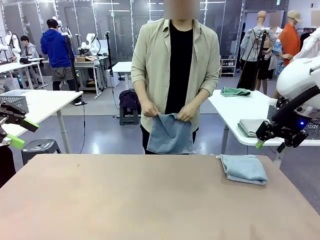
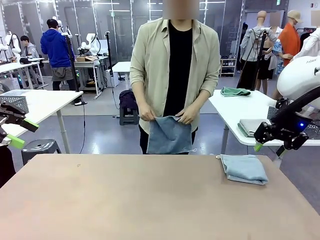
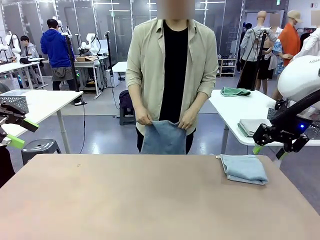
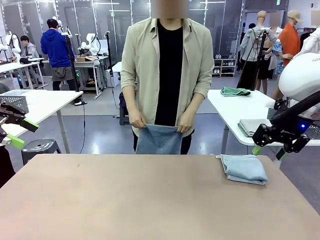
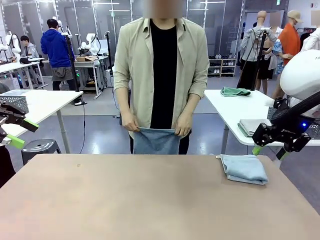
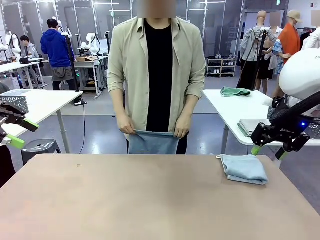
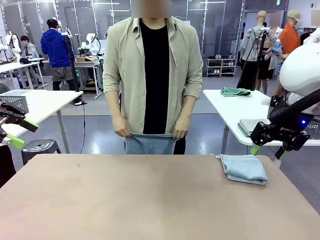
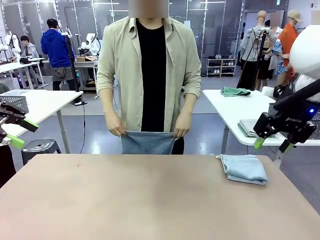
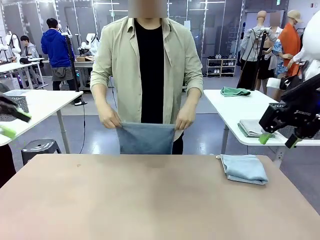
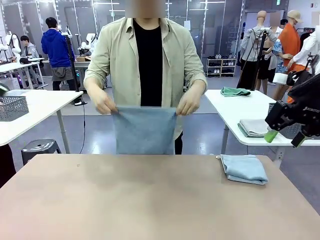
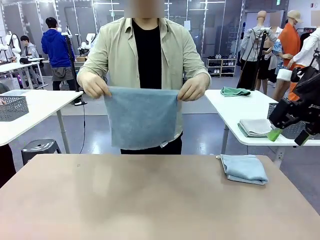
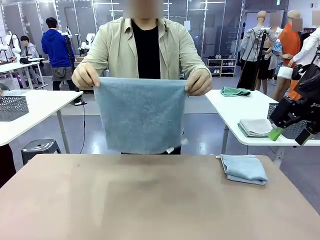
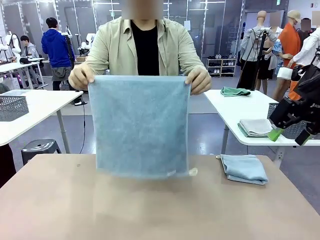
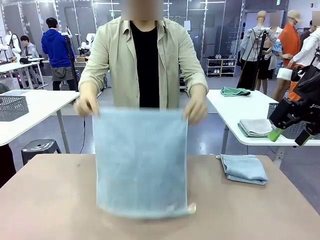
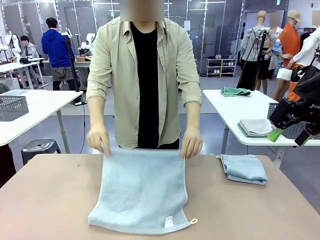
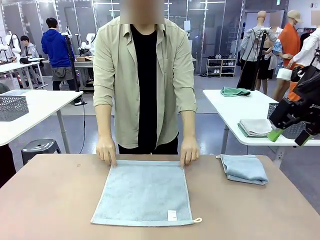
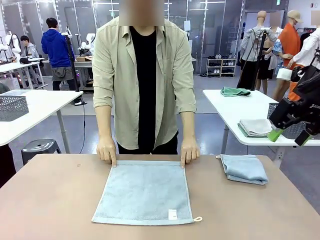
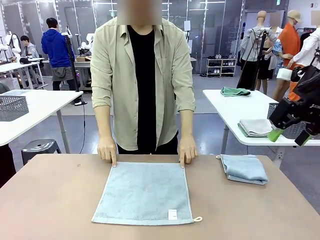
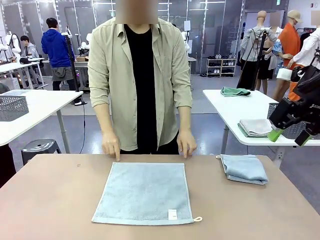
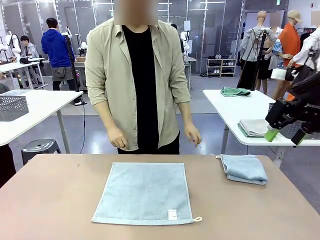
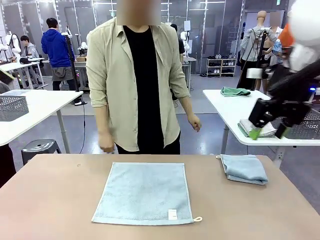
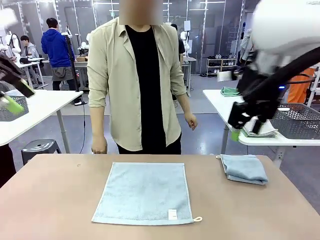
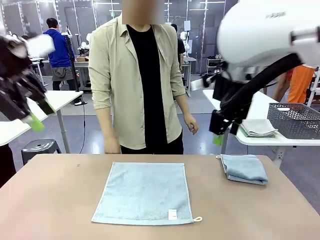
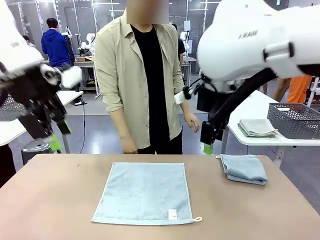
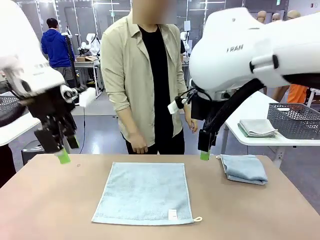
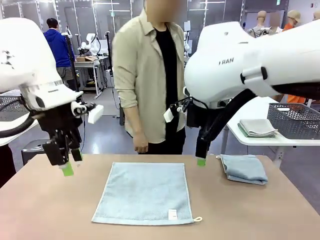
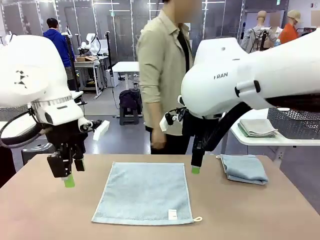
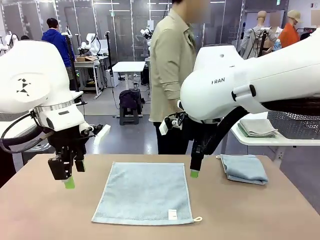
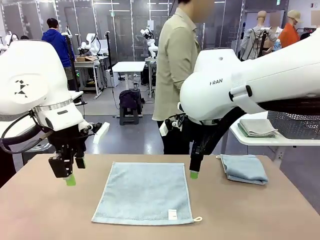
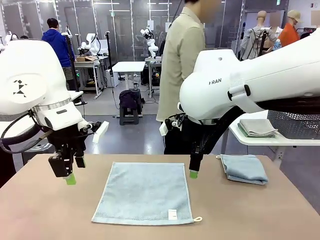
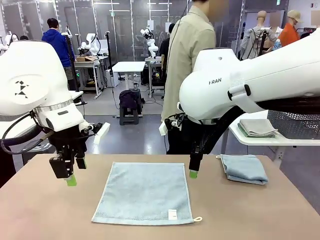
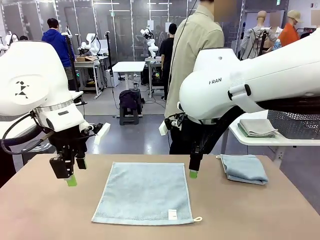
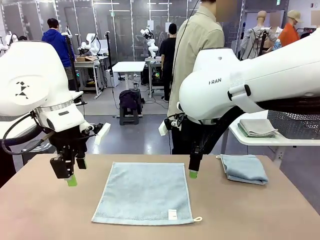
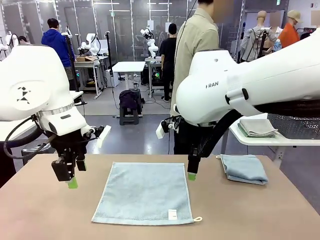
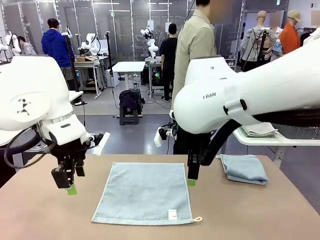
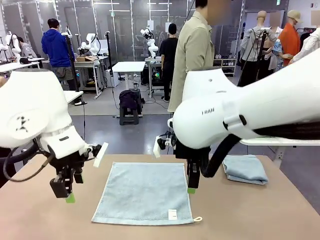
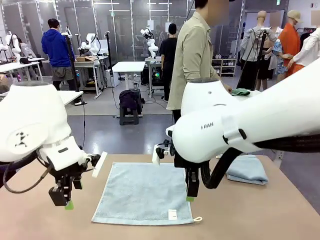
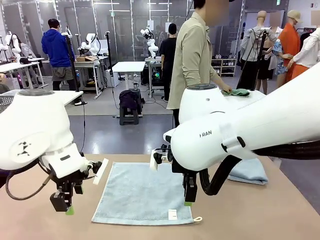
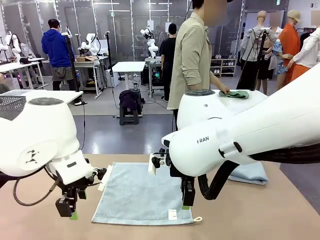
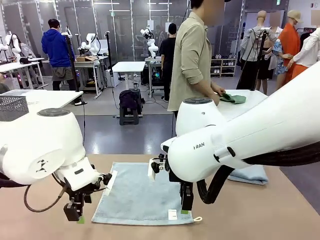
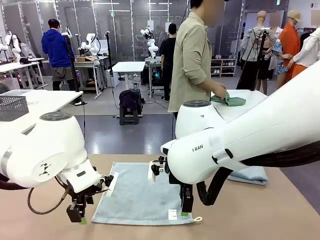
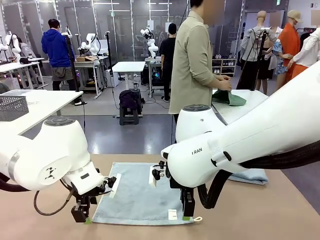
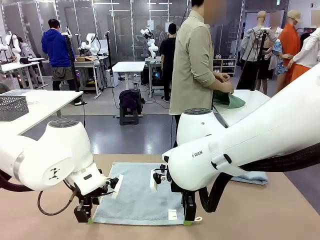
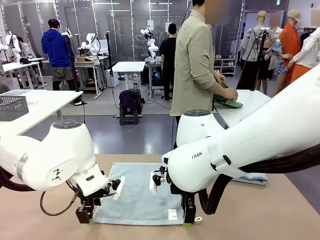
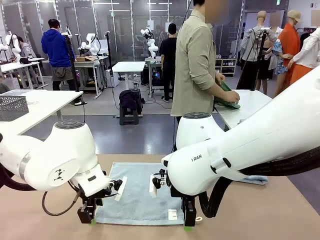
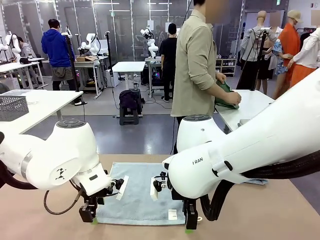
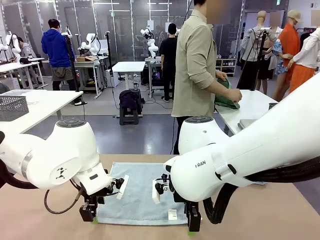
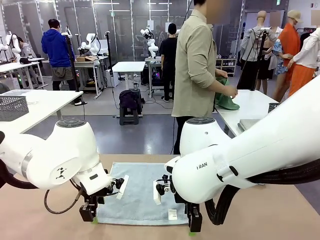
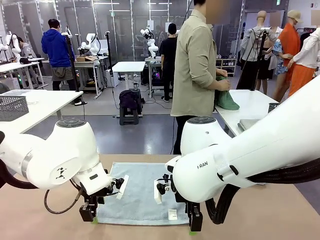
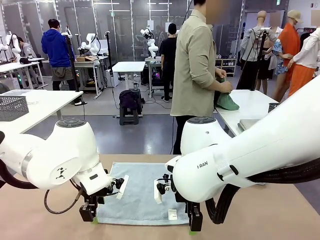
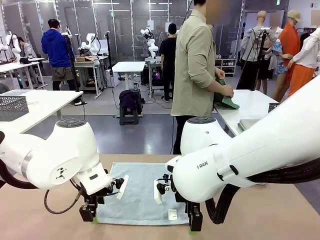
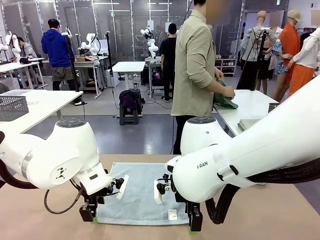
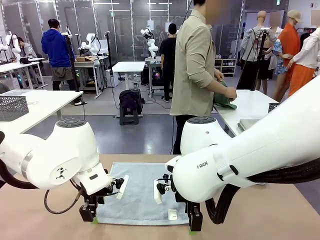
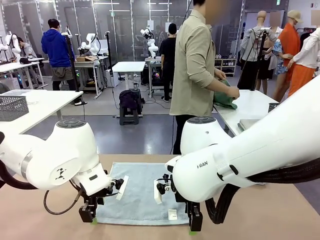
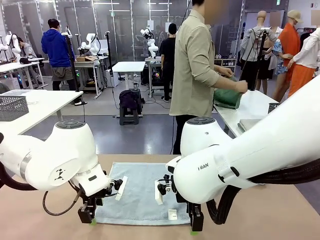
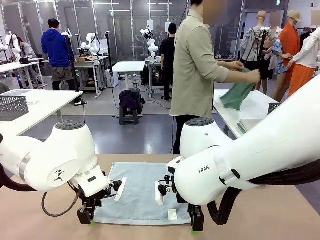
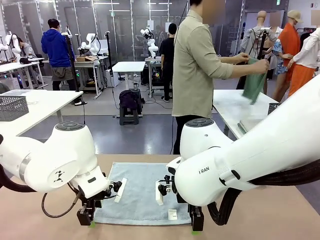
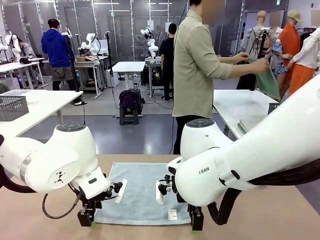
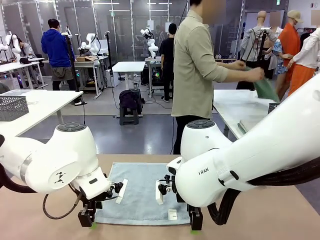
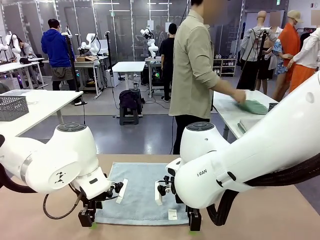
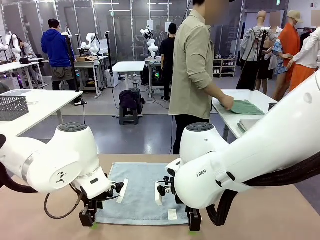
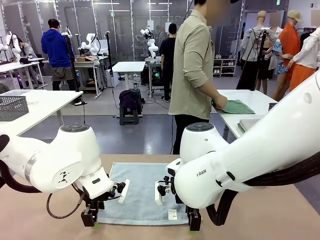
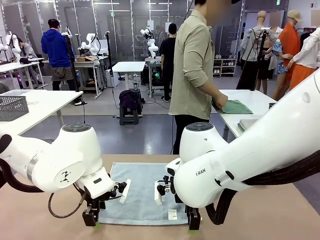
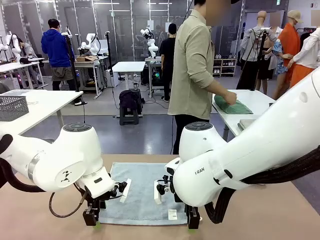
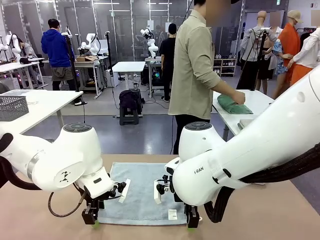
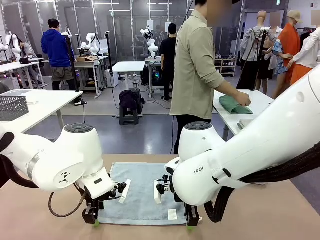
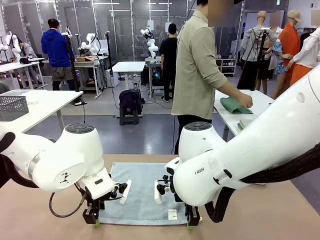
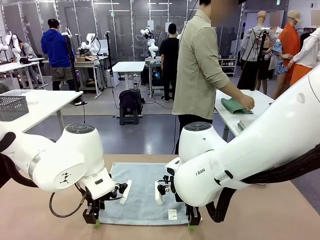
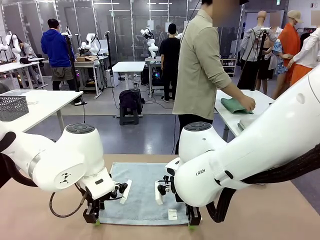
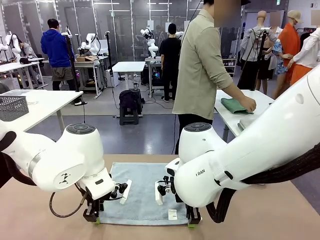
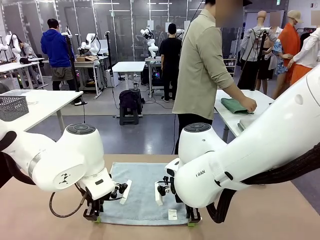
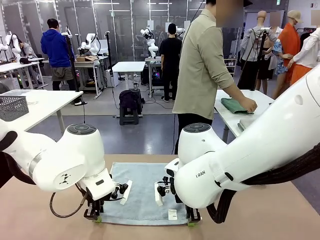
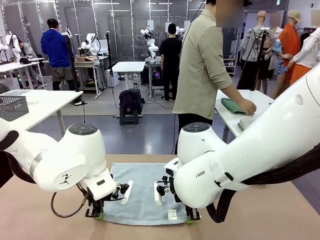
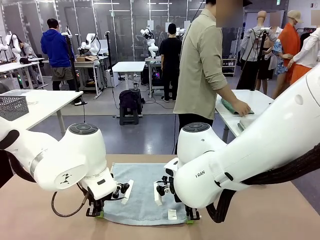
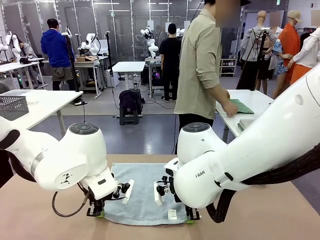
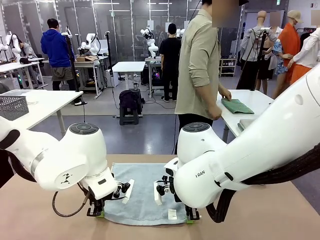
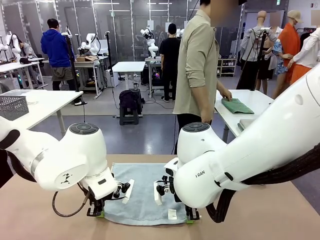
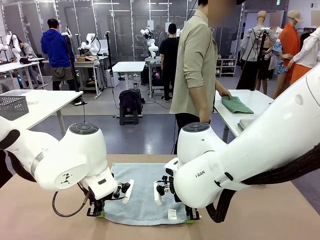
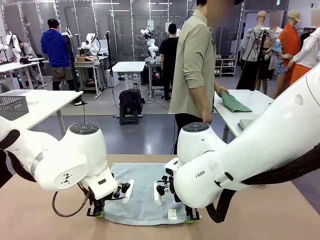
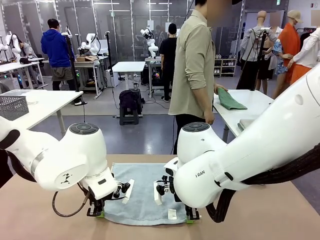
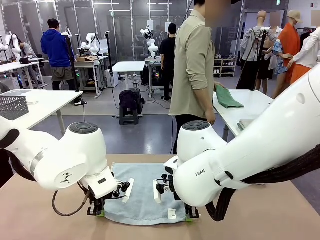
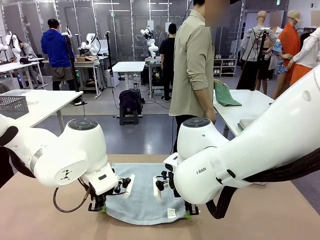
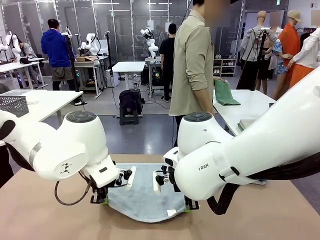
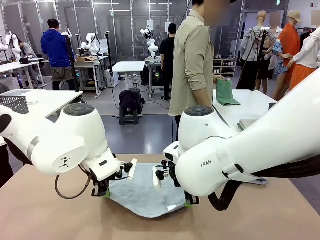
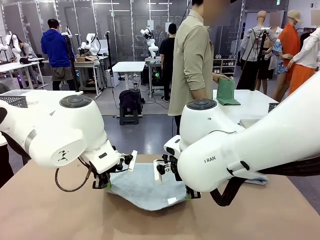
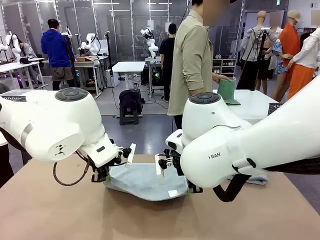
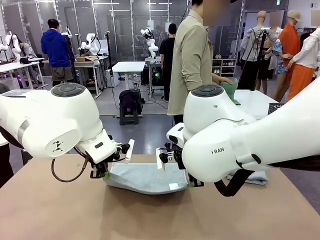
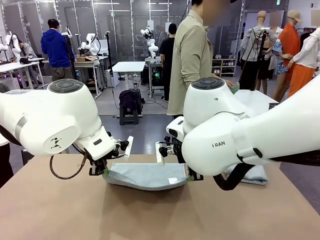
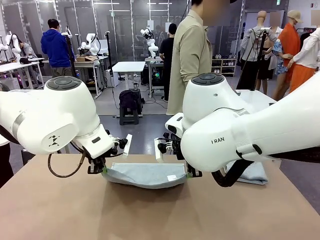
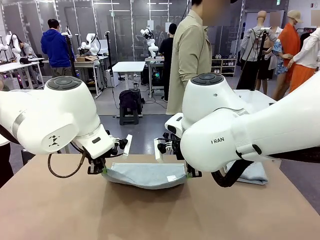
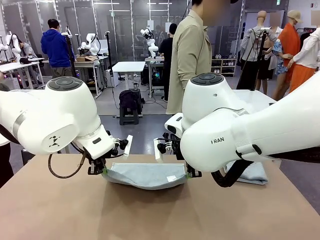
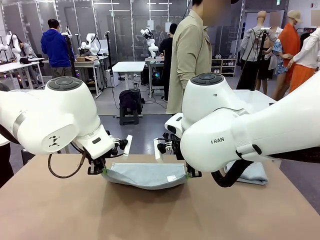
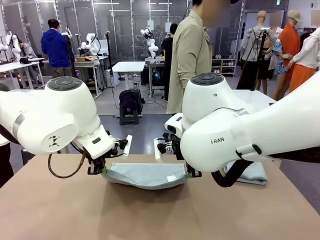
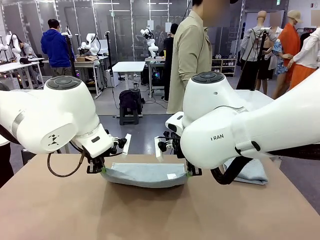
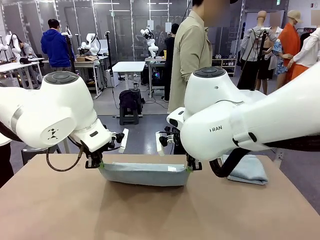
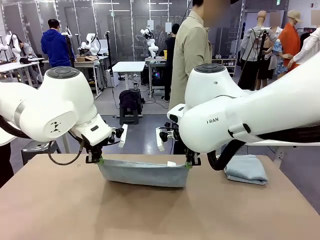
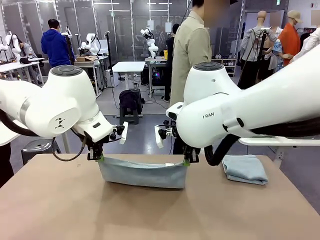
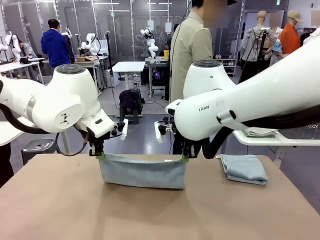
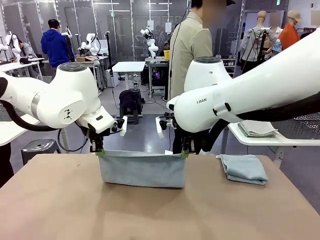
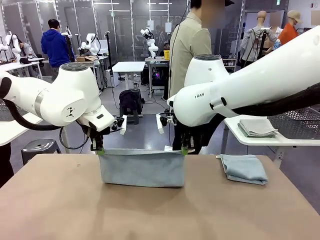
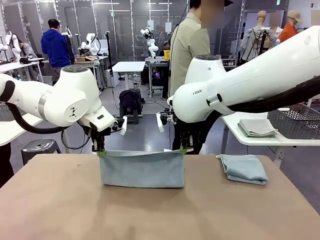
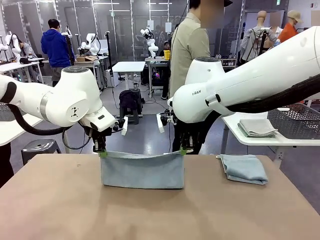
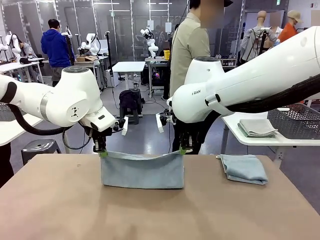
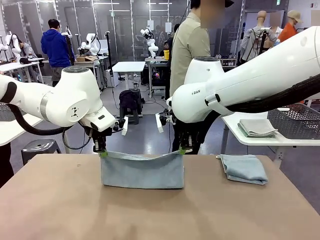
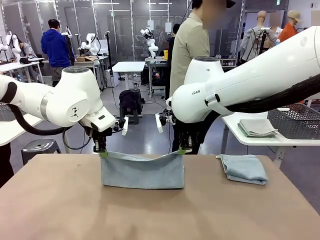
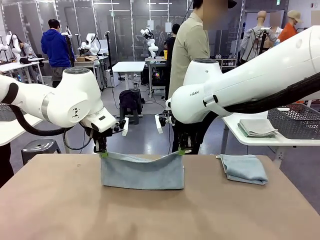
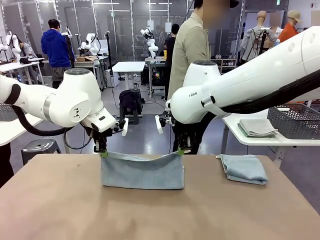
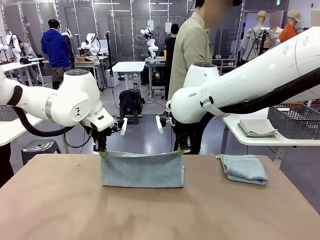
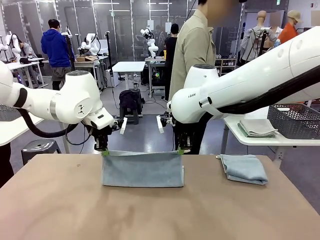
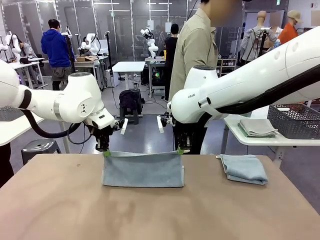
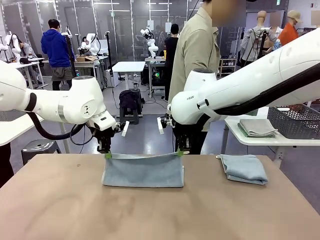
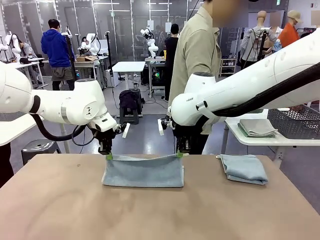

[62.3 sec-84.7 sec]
Task: Fold the towels and place them in the basket.
Robot: When a person lays out a Towel with hook on the table, fold it in half twice.
Person: Pick up one towel from the left side of the human table, fold it in half twice, and stack it on the right side of the table.
